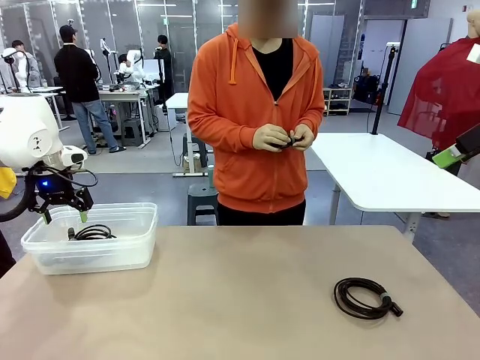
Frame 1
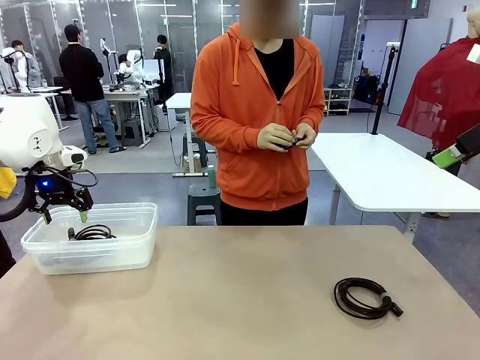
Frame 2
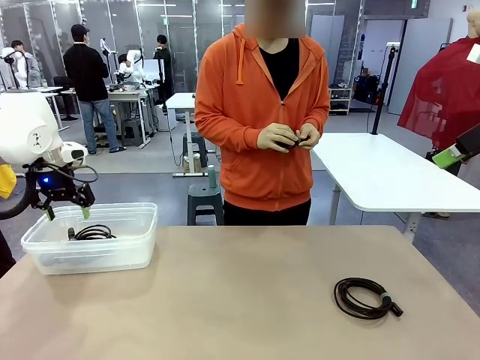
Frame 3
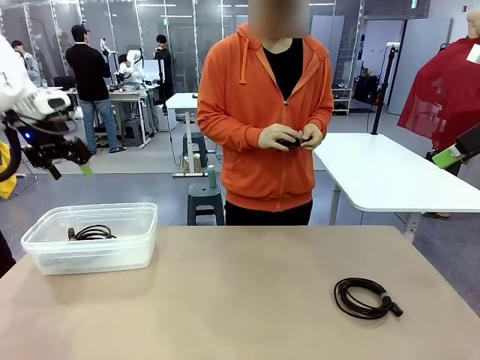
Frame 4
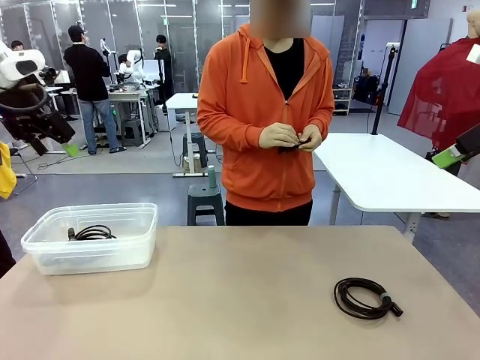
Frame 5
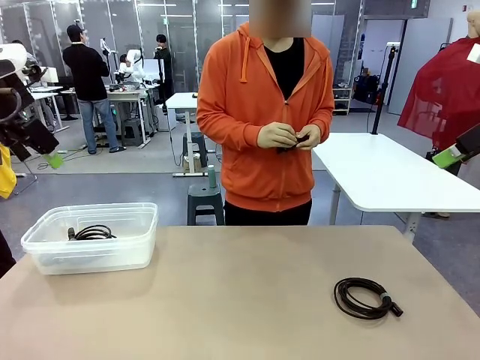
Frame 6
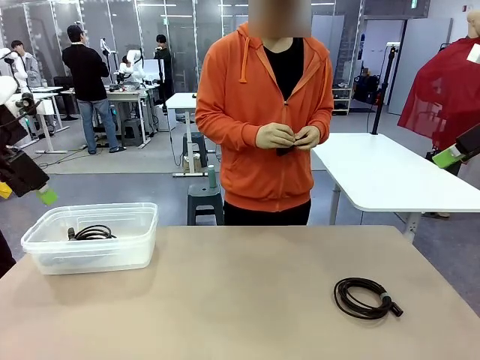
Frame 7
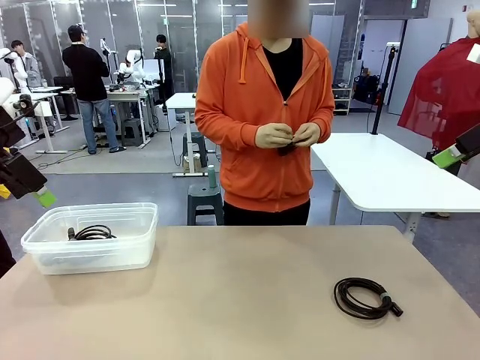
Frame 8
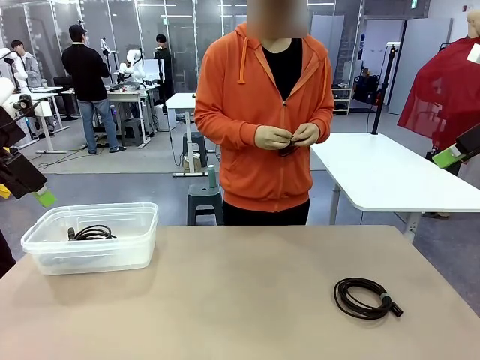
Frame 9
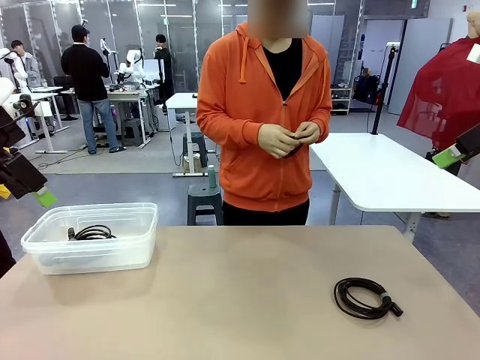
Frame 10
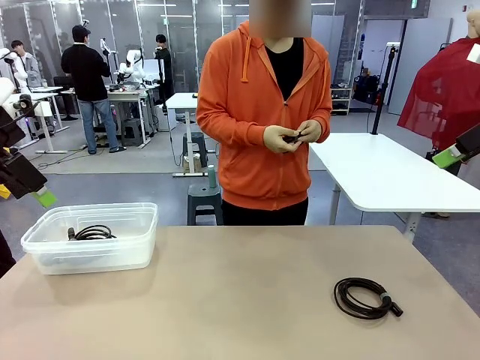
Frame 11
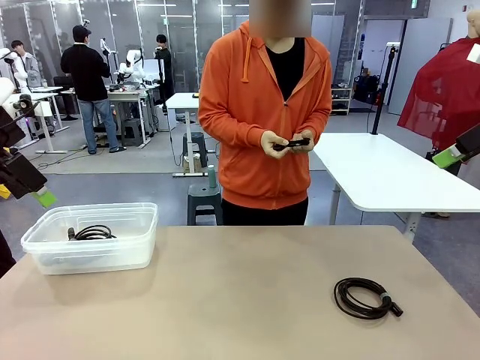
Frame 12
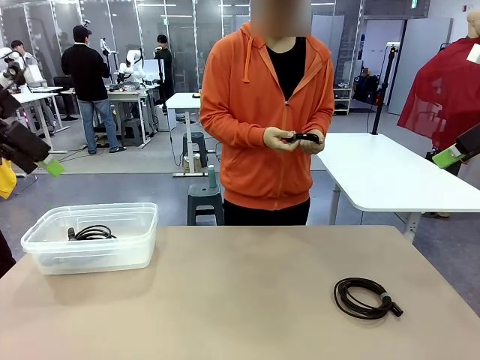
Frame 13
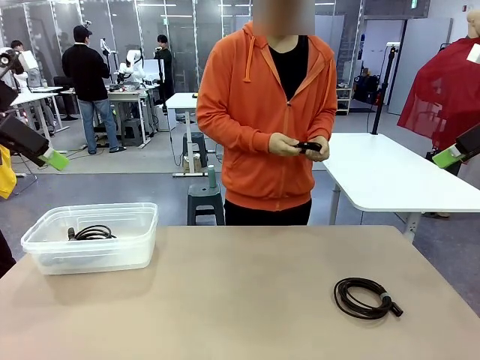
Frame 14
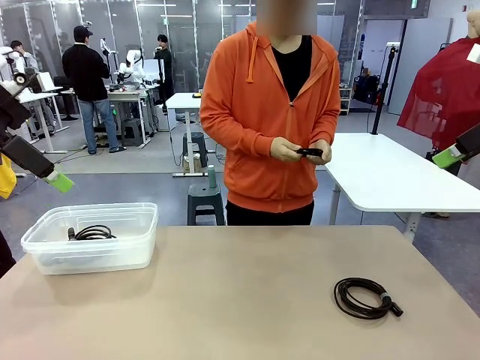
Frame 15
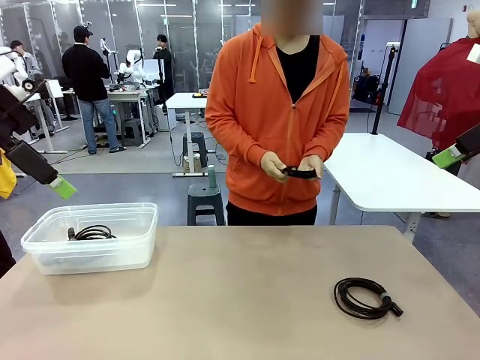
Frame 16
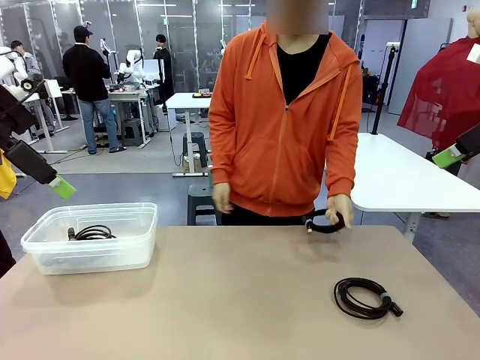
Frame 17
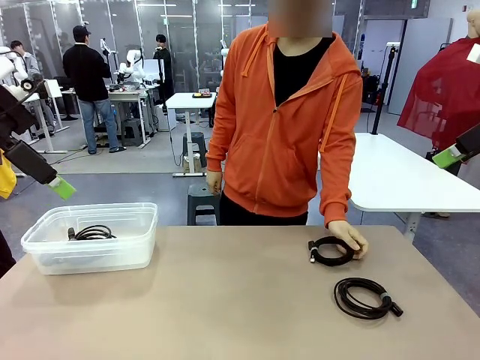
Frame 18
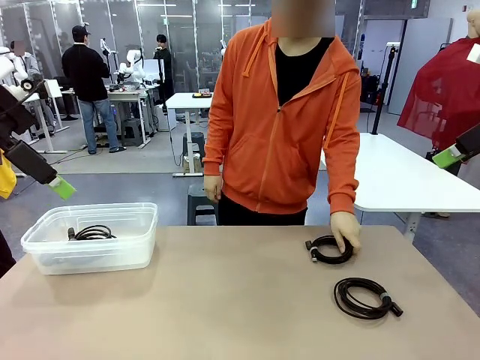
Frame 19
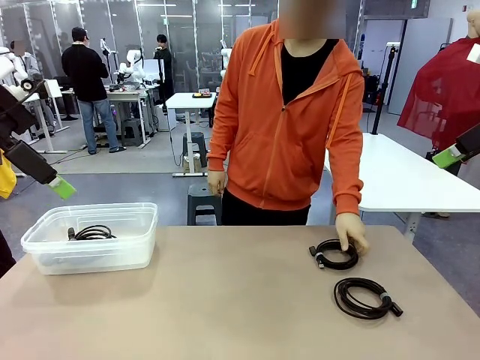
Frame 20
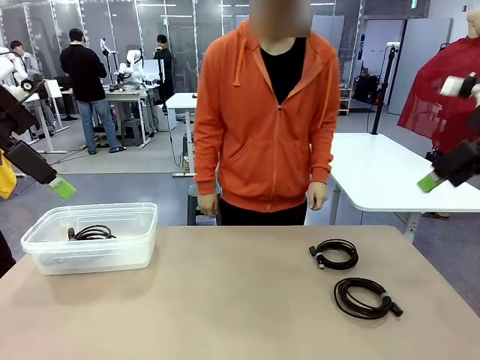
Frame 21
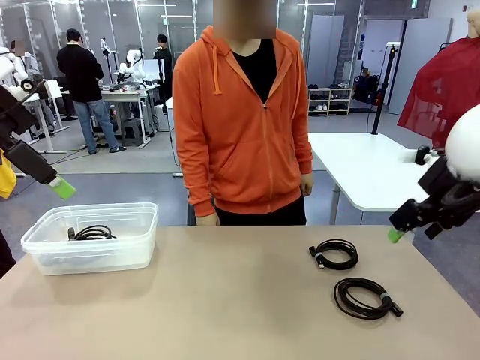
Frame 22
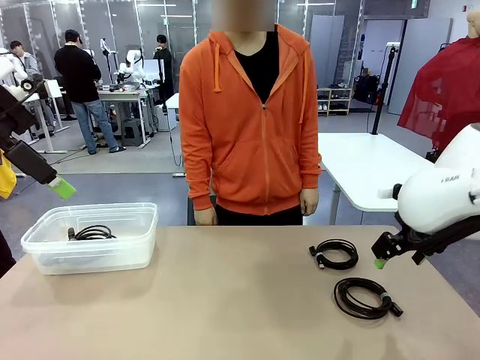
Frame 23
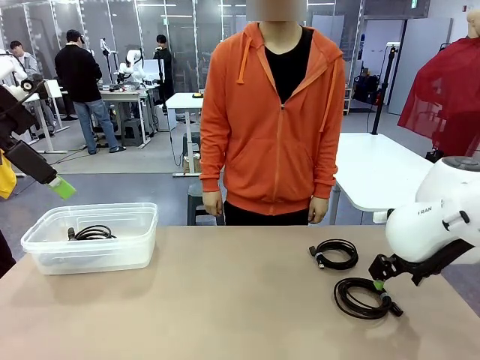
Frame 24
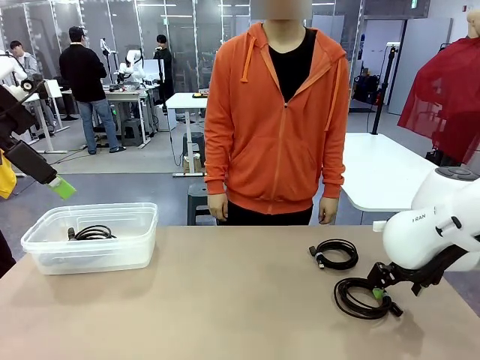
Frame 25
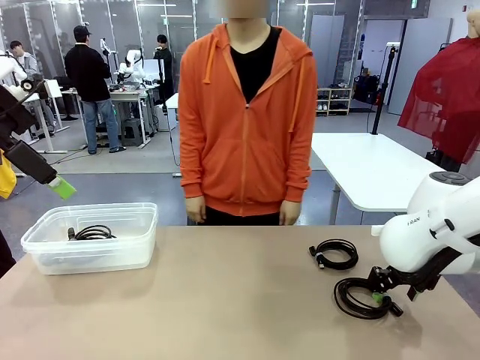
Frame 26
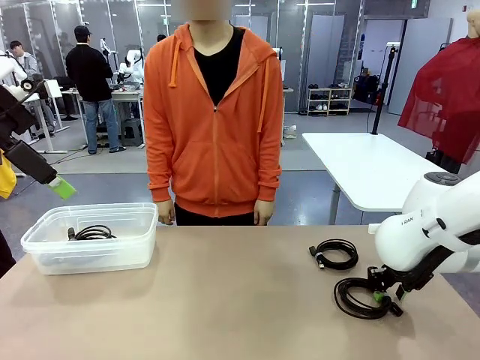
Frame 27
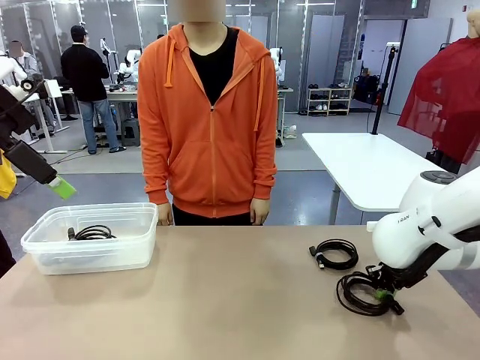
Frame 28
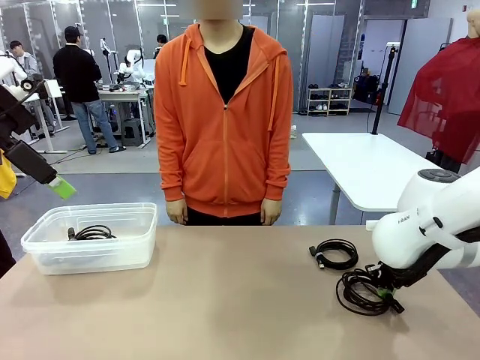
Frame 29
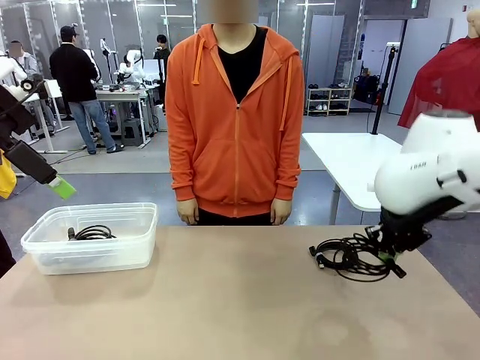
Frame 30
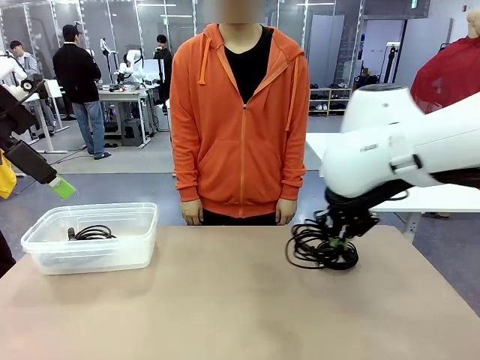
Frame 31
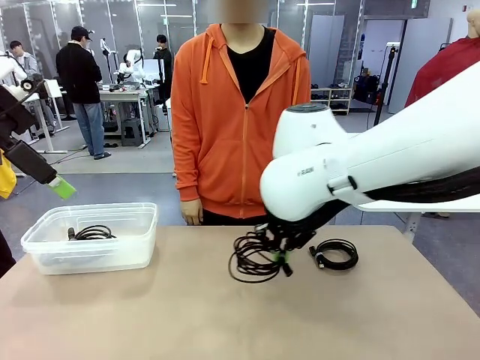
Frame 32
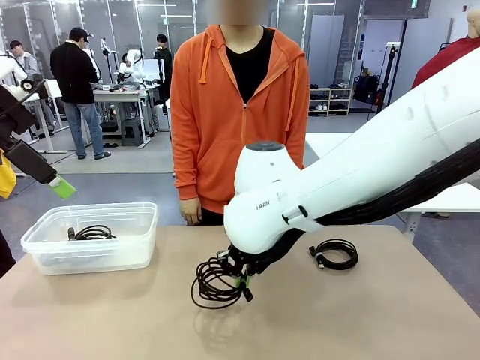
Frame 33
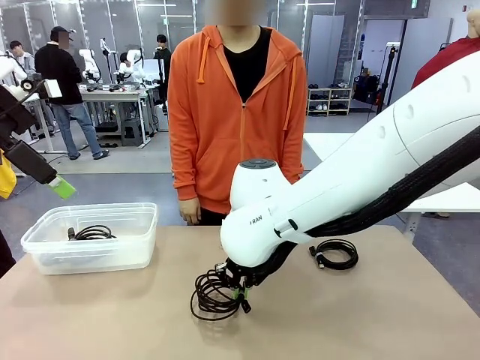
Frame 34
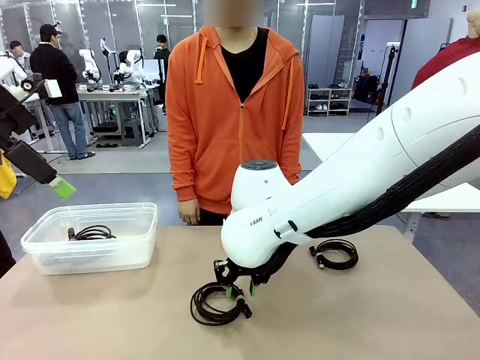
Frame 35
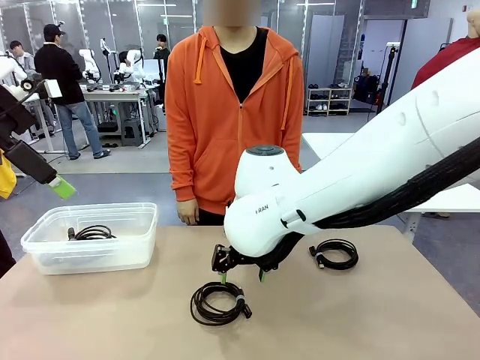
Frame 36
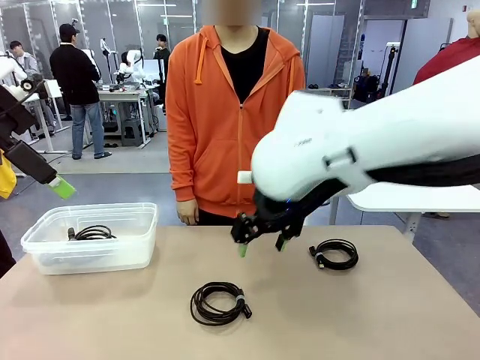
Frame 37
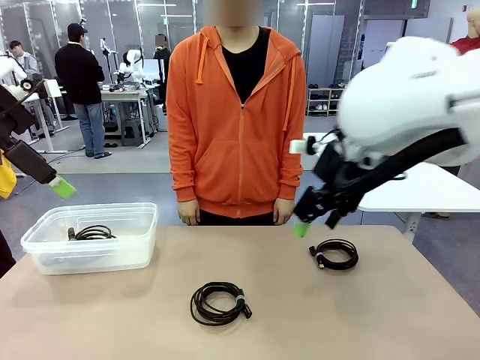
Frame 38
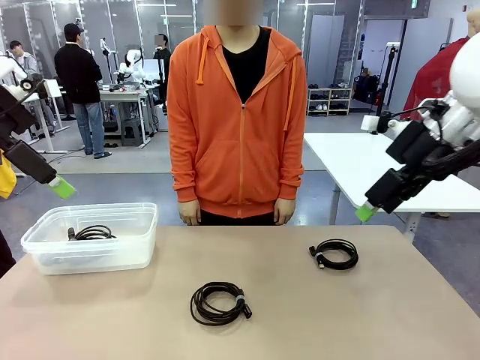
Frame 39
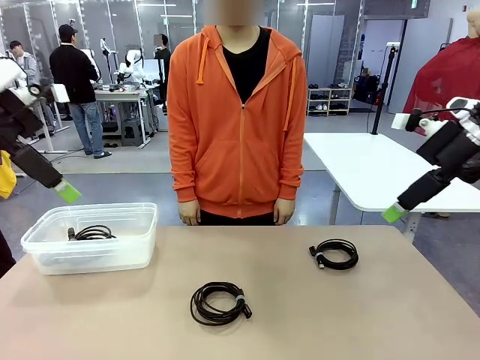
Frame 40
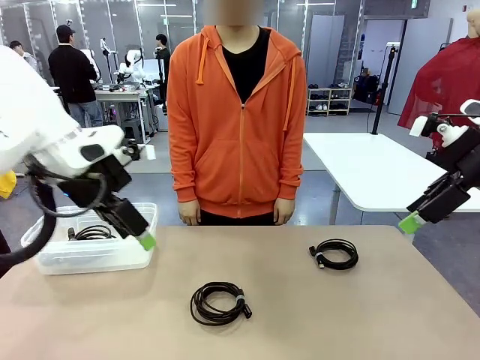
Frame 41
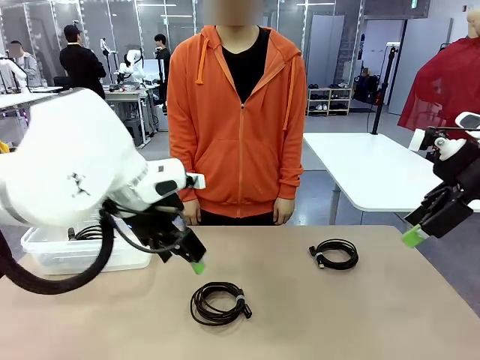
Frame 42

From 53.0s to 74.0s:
Task: Organize and store the cables.
Robot: Place the USB Extension Cable into the Organizing box.

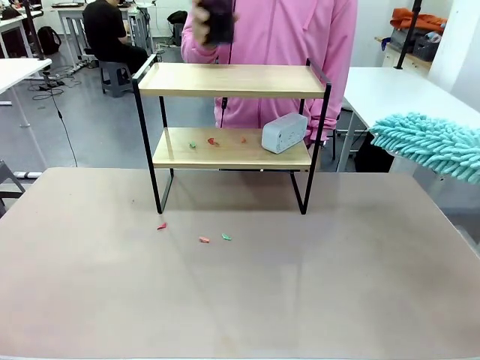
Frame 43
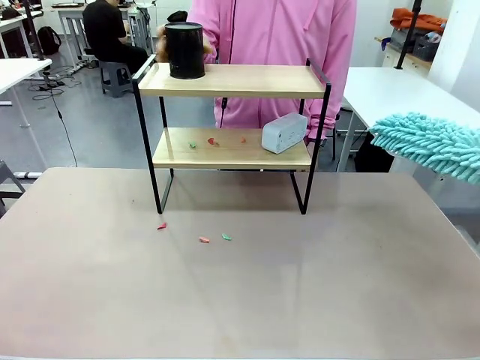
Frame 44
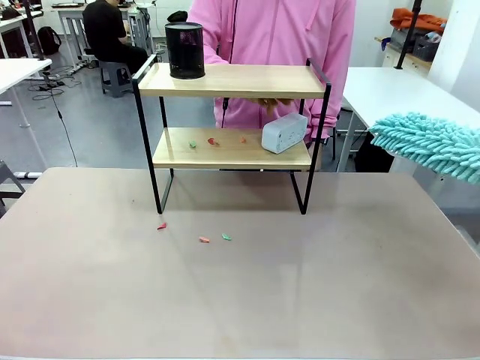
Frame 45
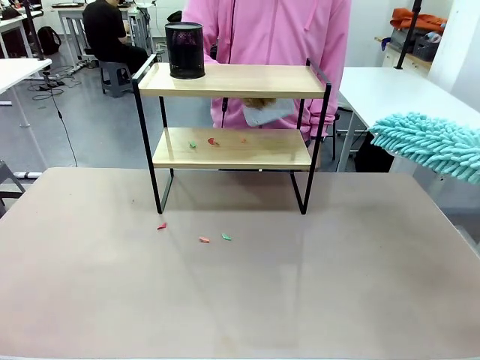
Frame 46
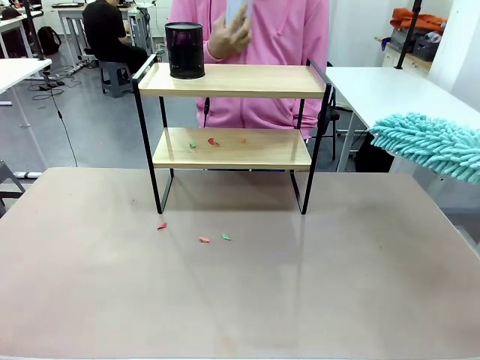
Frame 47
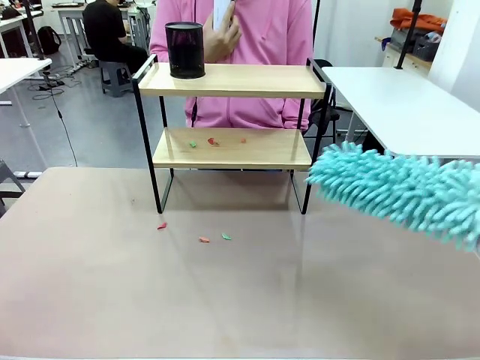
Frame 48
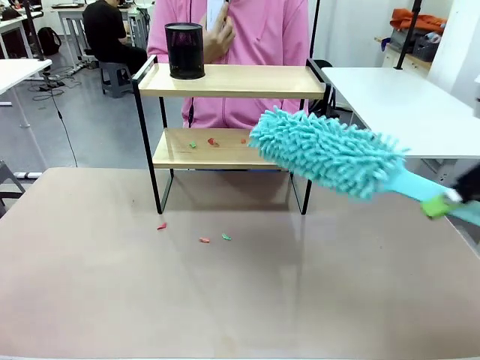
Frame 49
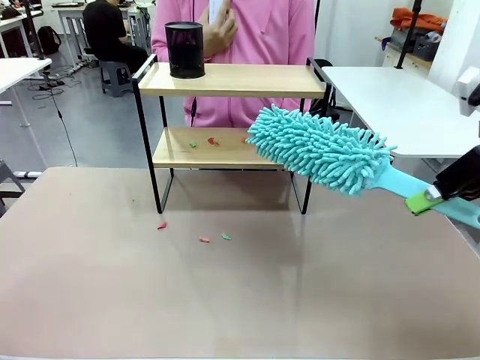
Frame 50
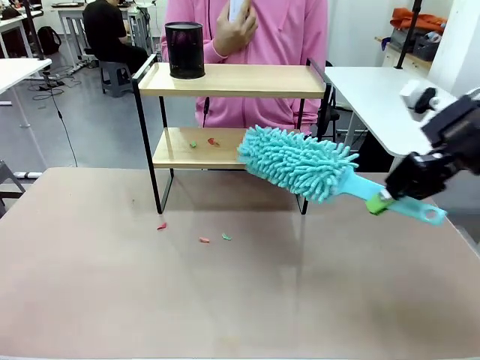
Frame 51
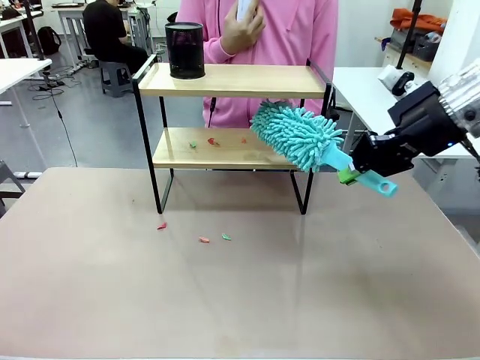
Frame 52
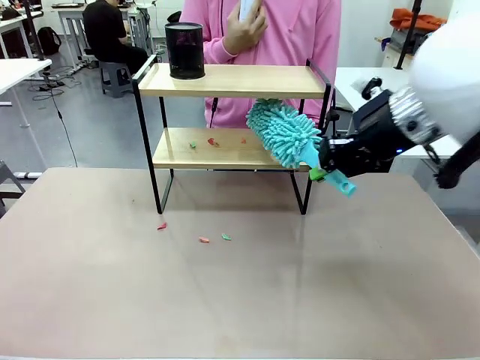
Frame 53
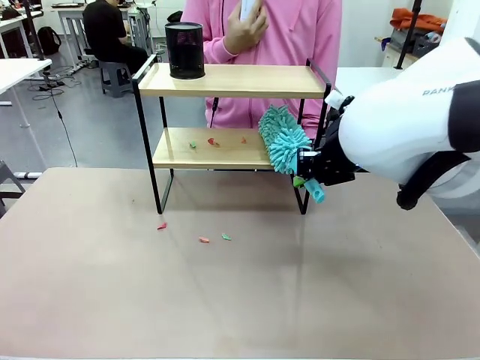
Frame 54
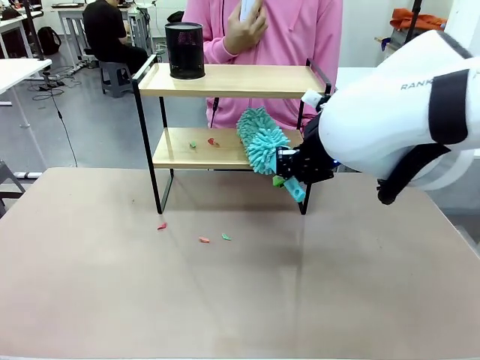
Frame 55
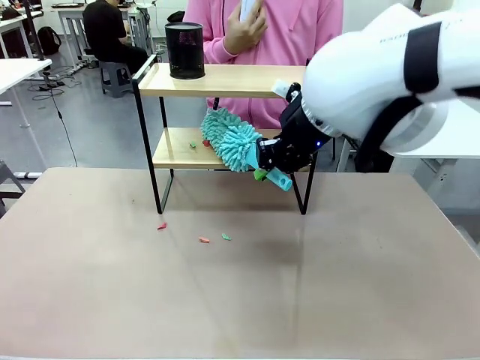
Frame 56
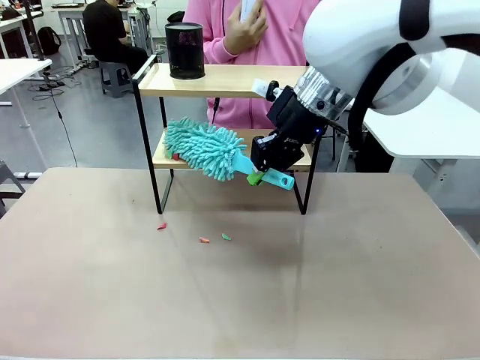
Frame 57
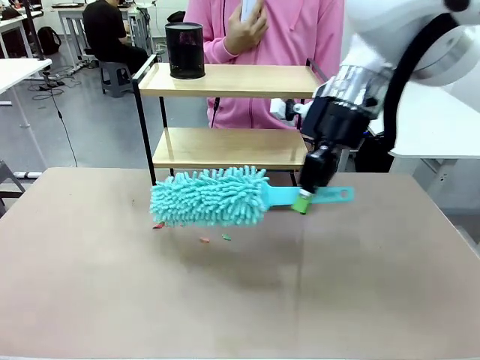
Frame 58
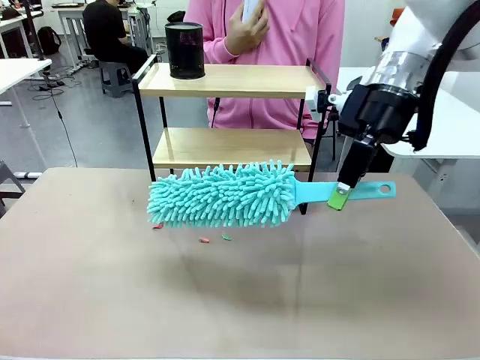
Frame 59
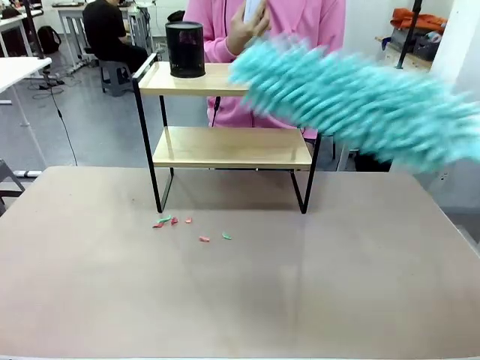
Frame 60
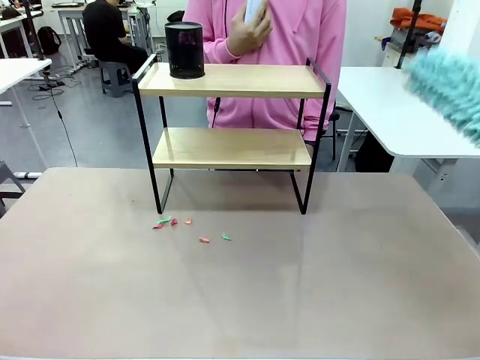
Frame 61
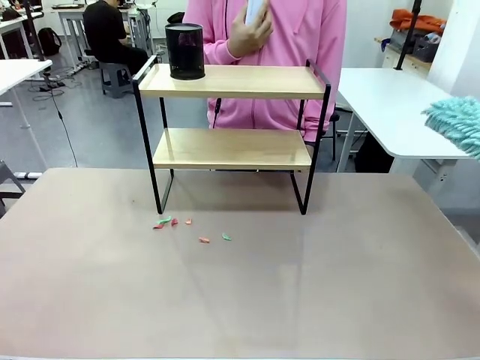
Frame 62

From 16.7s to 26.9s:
Task: Clean the shelf.
Robot: Clean the remaining tier of the Shelf with the Duster once objects are removed.
